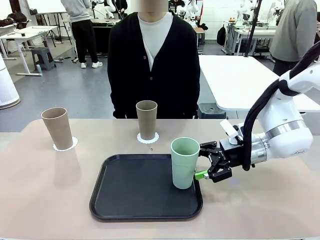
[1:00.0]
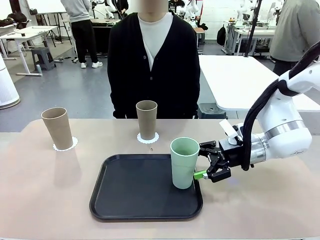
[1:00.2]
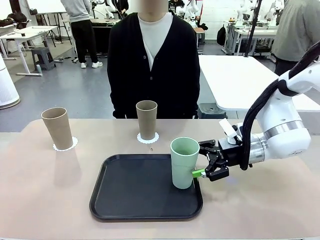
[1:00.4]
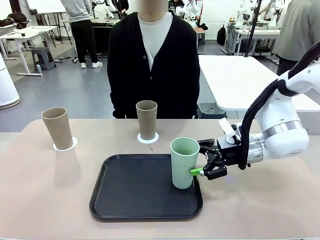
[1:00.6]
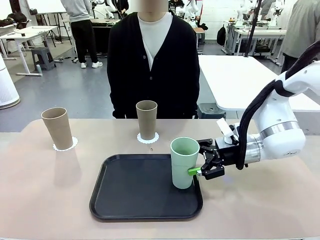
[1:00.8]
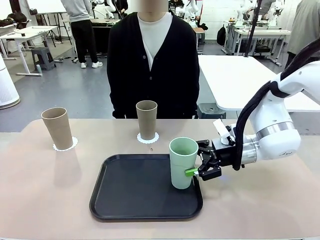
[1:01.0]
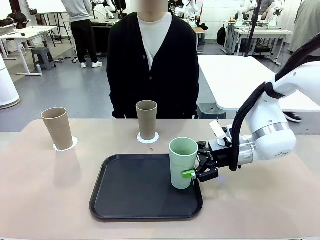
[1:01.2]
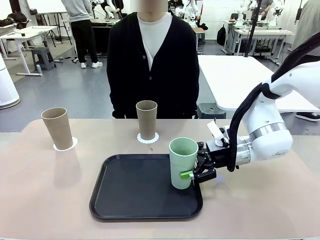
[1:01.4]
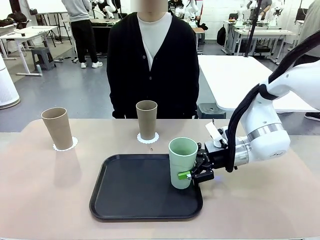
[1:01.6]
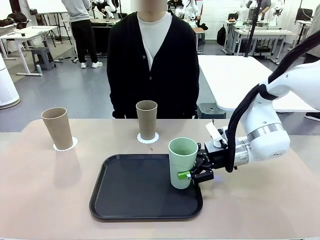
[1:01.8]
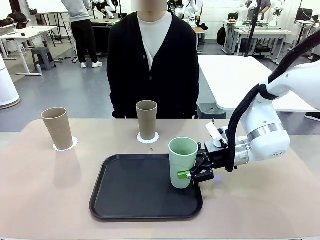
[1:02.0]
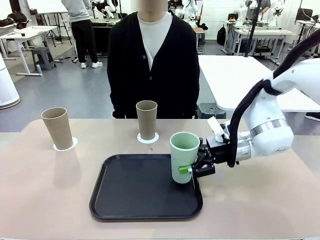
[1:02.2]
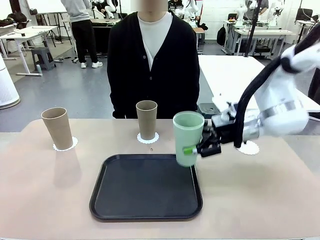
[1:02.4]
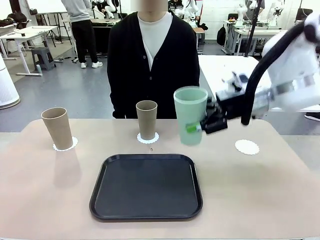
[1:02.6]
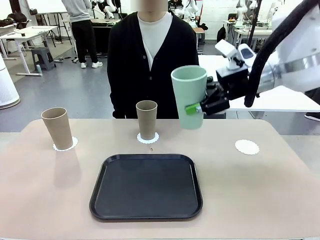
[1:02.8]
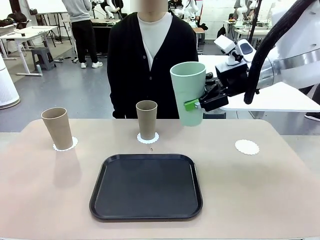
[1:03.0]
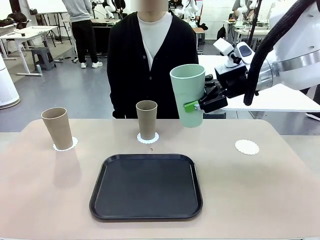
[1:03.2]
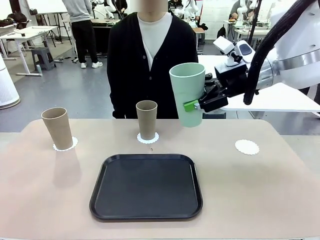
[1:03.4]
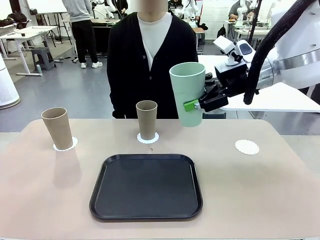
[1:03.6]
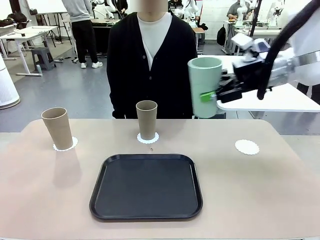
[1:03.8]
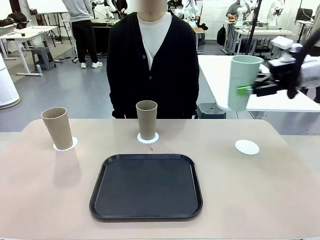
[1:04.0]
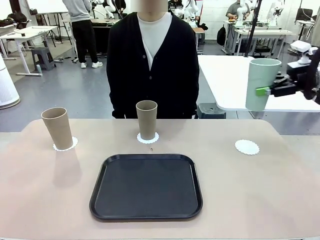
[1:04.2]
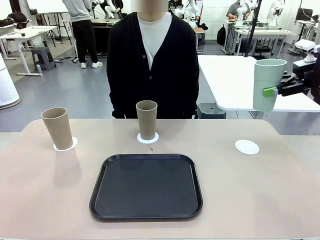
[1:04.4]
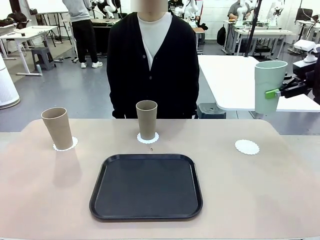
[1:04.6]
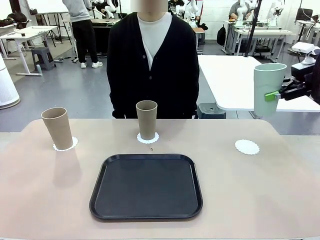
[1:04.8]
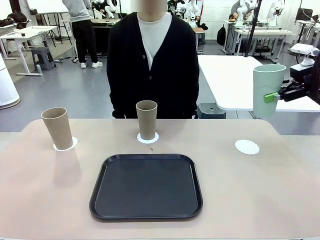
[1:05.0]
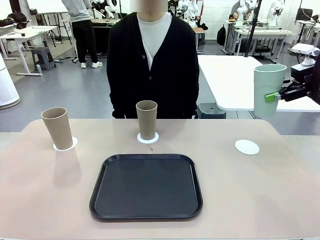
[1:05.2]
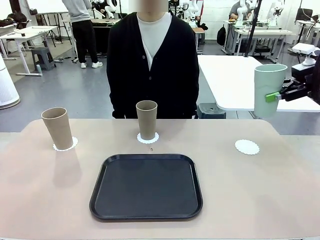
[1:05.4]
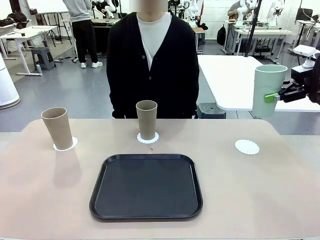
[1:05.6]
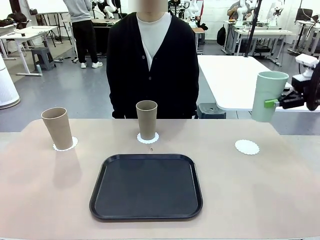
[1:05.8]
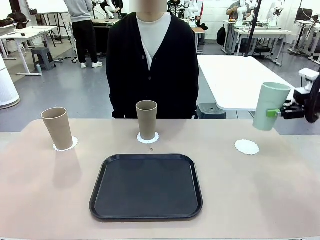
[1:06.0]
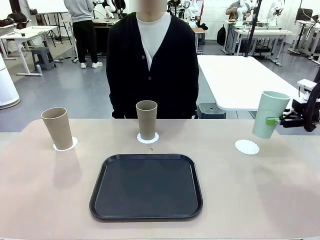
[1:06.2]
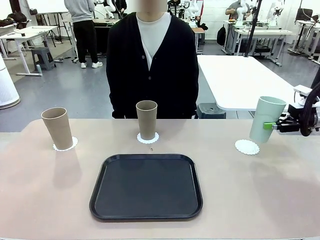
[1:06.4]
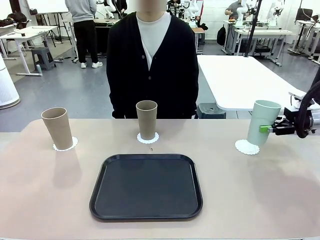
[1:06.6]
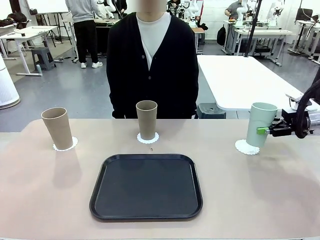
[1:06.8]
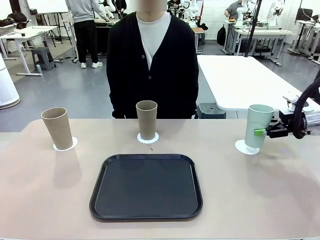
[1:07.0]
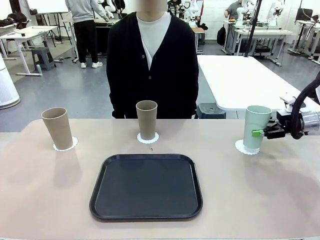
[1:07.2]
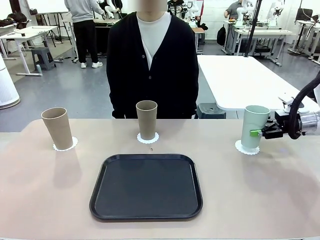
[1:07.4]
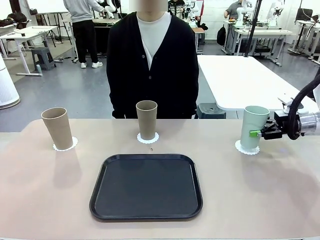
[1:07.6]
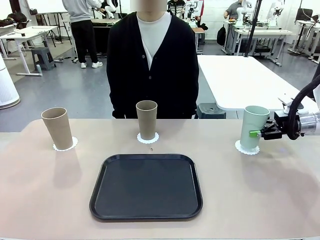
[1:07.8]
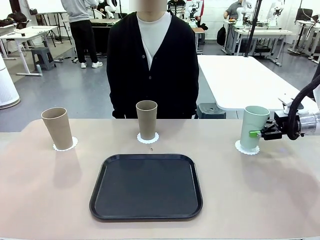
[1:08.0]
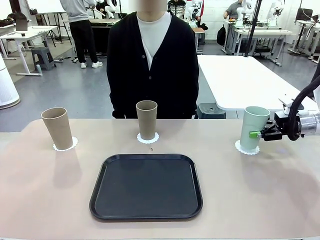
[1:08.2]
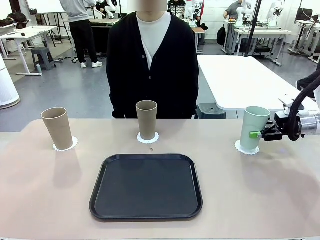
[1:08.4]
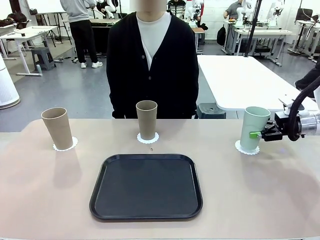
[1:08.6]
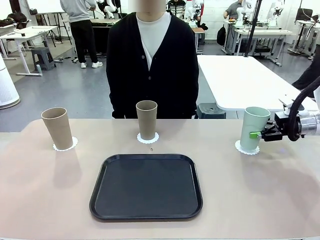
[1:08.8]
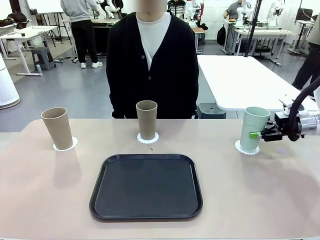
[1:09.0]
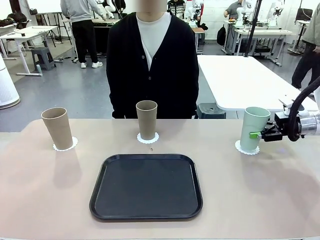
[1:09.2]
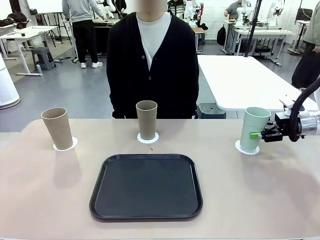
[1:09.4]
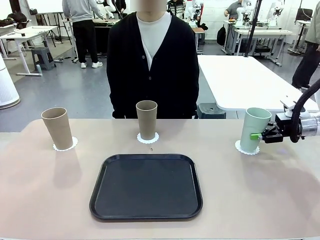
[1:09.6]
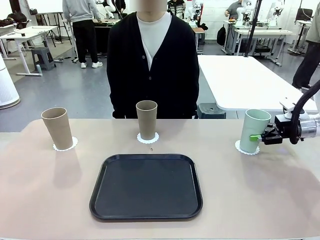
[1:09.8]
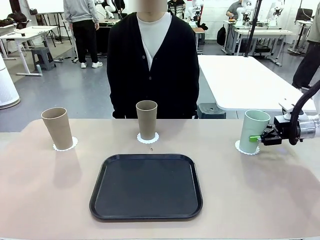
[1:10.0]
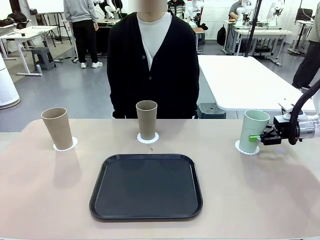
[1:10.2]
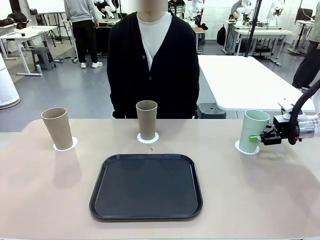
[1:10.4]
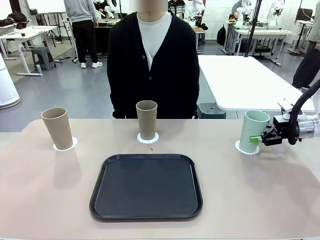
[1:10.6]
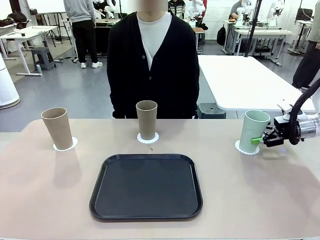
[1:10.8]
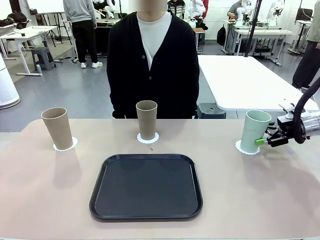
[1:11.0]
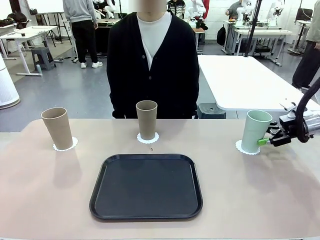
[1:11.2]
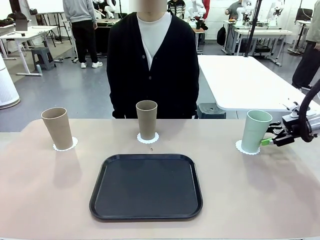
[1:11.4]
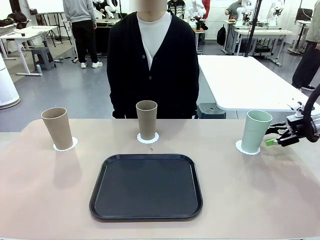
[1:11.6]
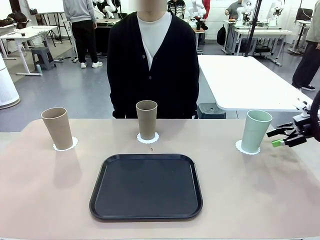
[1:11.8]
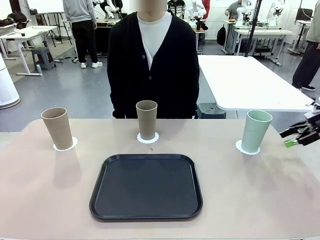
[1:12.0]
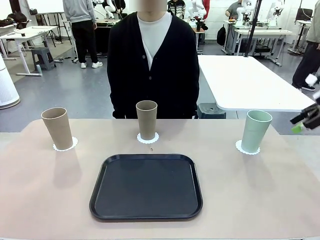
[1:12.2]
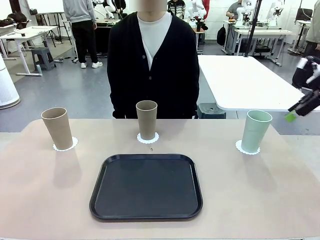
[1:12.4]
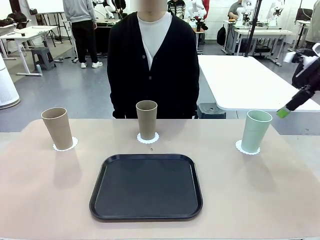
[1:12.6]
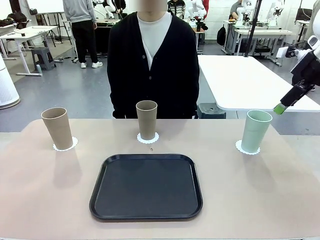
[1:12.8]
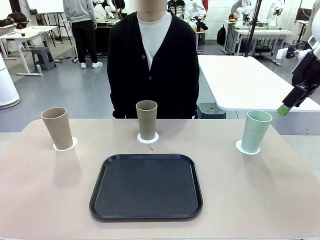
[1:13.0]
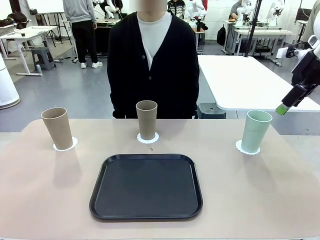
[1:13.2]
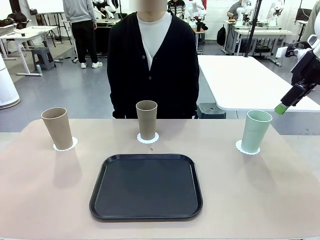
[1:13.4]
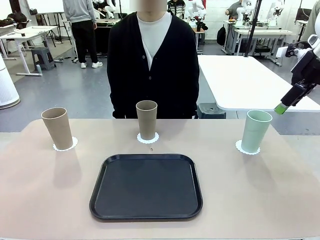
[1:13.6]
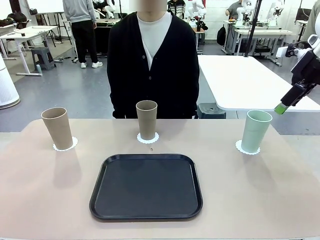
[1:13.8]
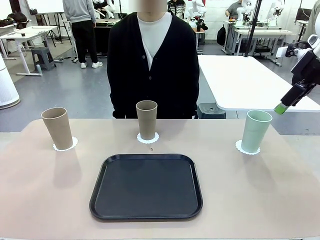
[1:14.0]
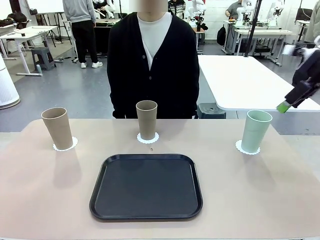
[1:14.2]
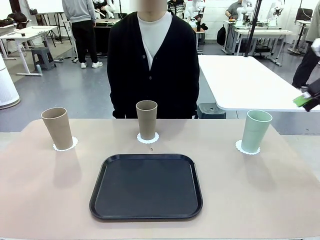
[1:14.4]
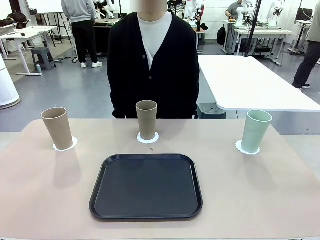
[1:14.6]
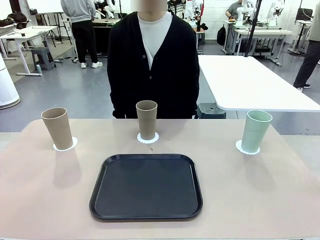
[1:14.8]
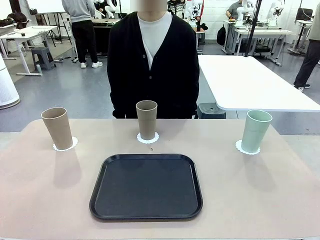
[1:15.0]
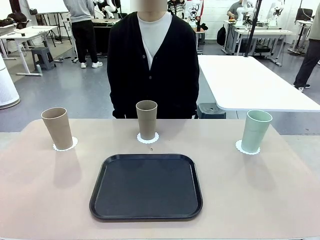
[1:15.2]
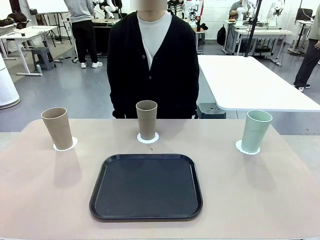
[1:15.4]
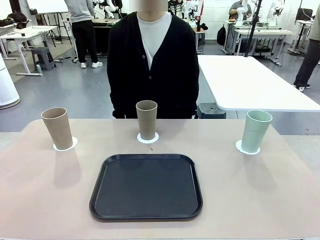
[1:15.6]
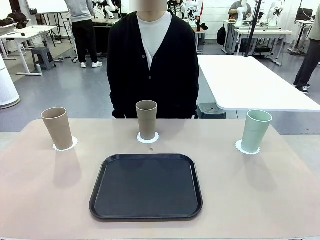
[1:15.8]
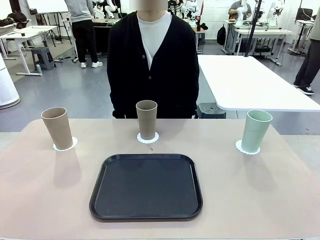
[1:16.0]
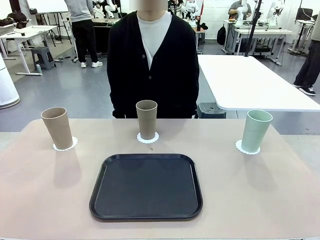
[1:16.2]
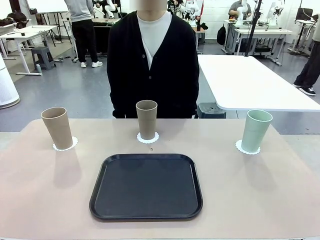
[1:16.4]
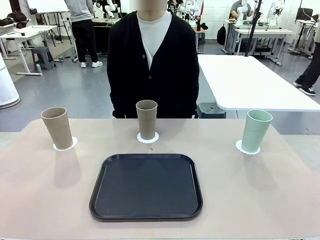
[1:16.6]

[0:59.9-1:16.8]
Task: Place coasters on the table and set cups on them.
Robot: Take one Reusable plastic cup from the Flat Tray and place it on a coaster set by the human.
